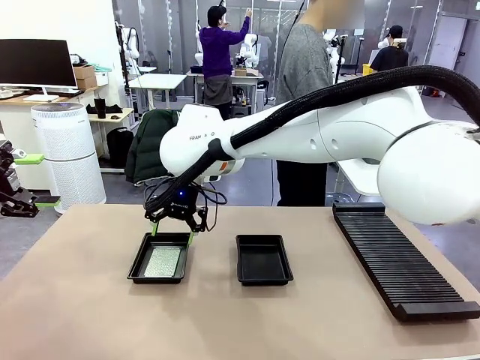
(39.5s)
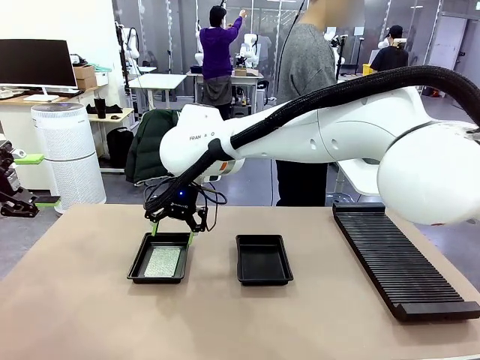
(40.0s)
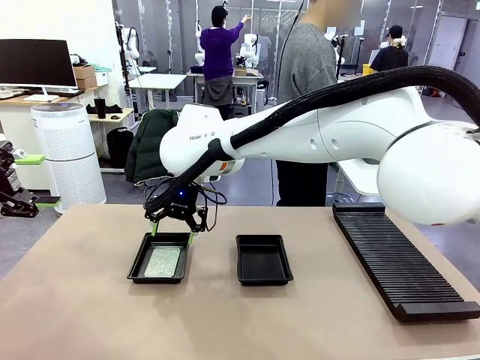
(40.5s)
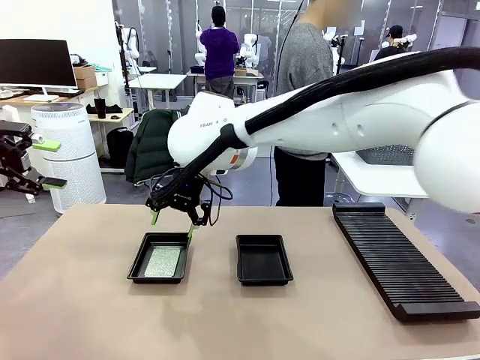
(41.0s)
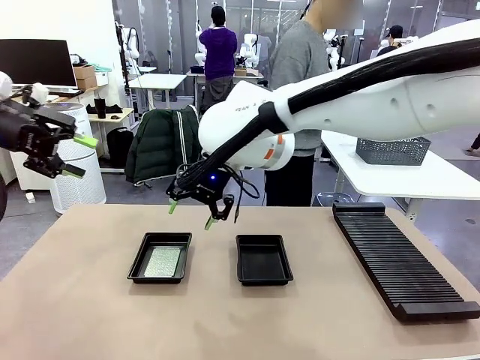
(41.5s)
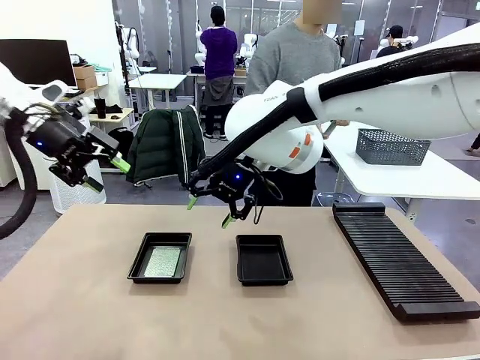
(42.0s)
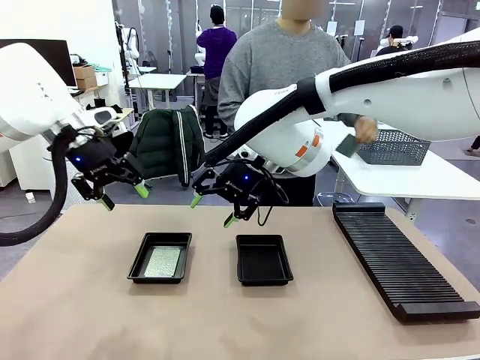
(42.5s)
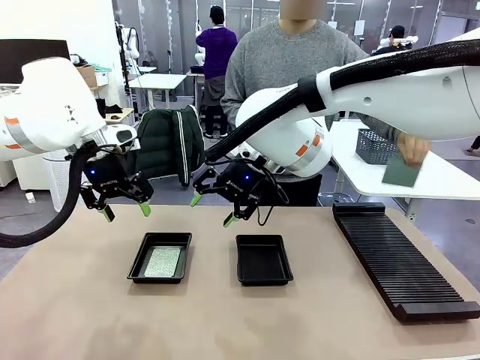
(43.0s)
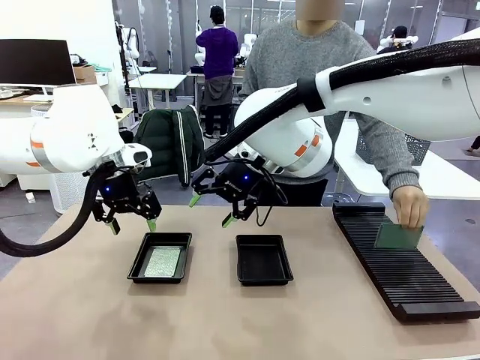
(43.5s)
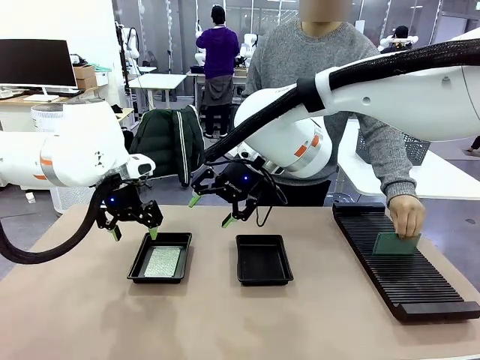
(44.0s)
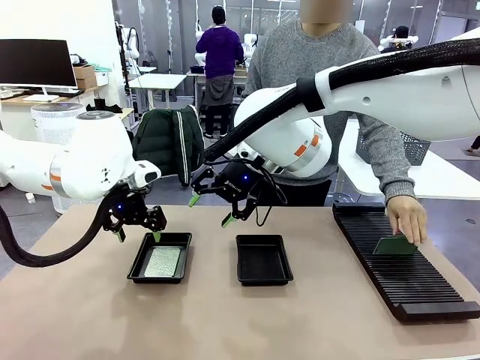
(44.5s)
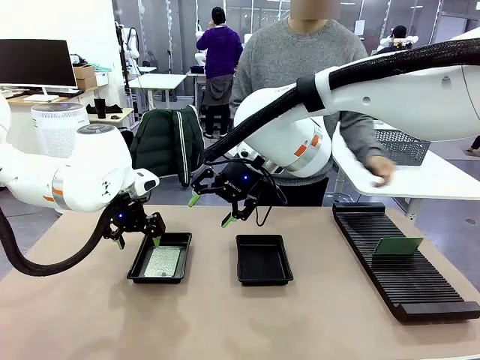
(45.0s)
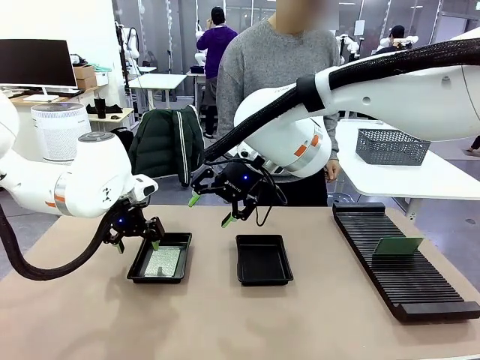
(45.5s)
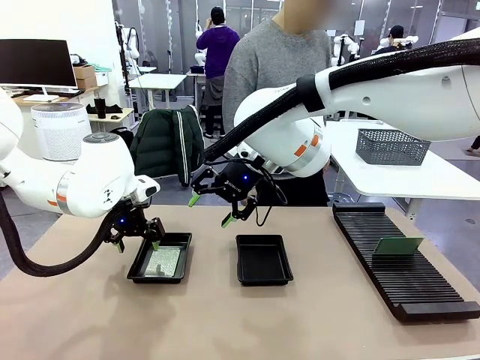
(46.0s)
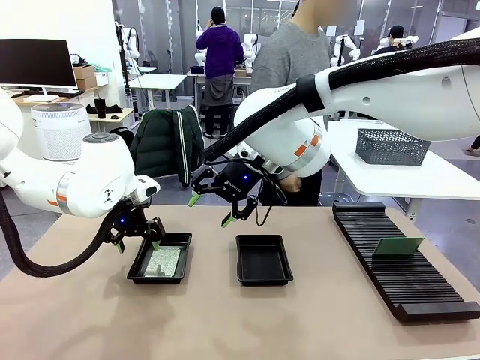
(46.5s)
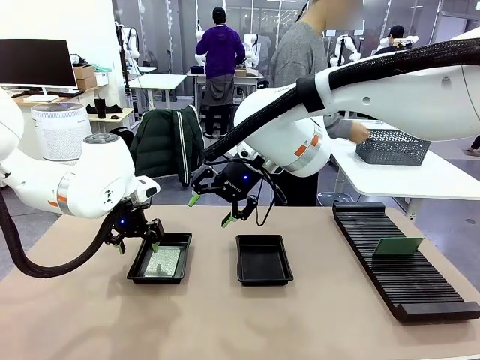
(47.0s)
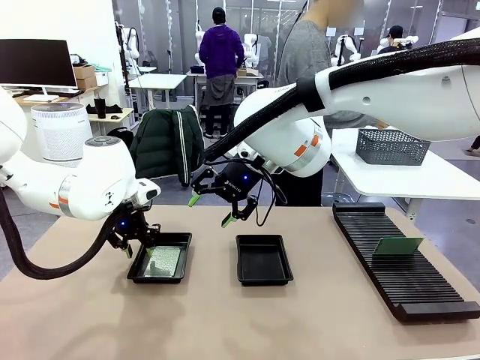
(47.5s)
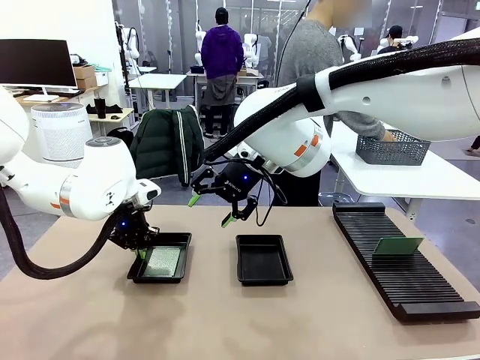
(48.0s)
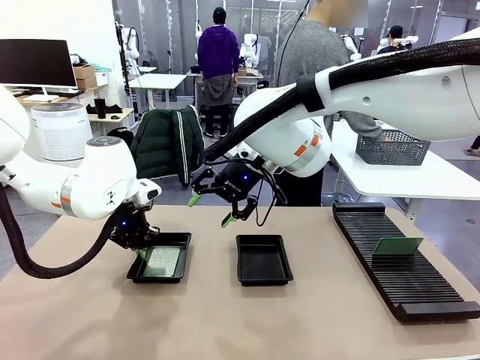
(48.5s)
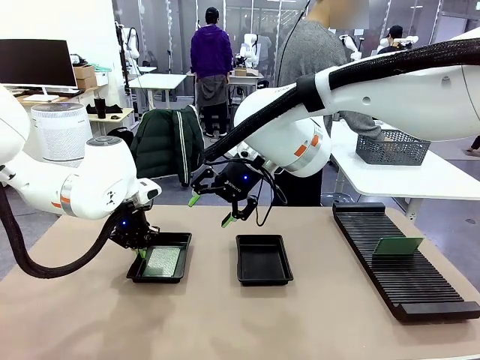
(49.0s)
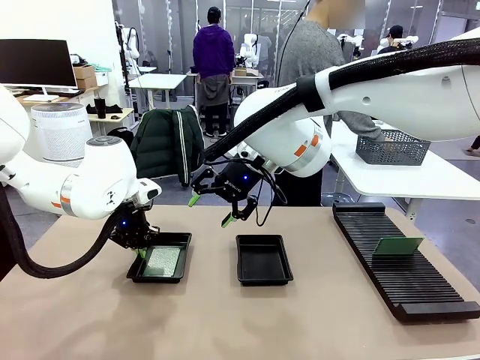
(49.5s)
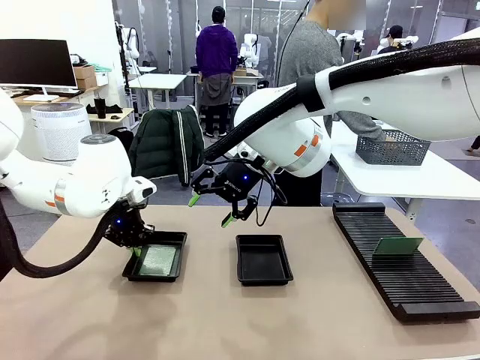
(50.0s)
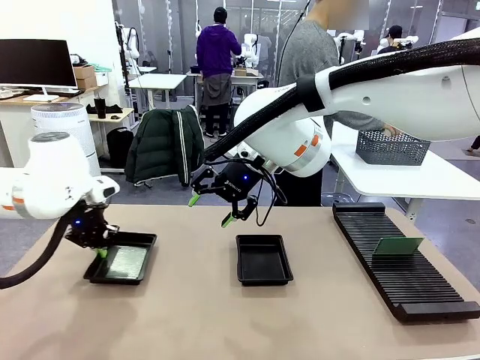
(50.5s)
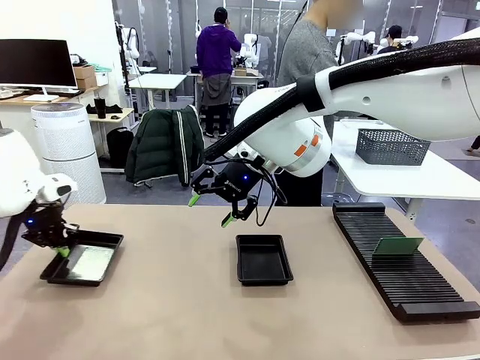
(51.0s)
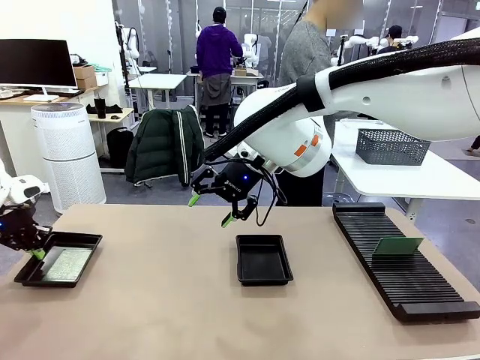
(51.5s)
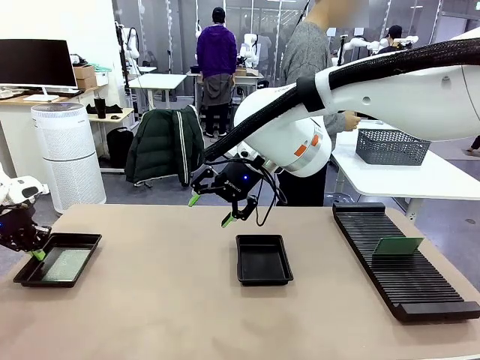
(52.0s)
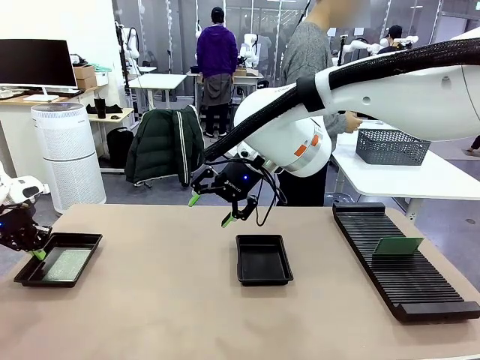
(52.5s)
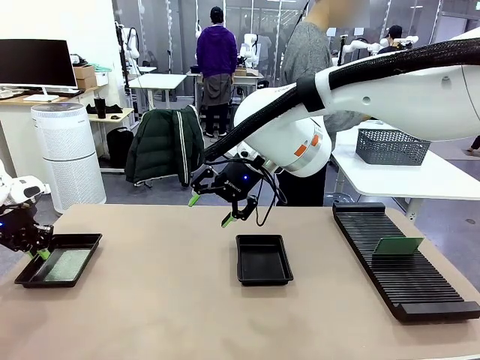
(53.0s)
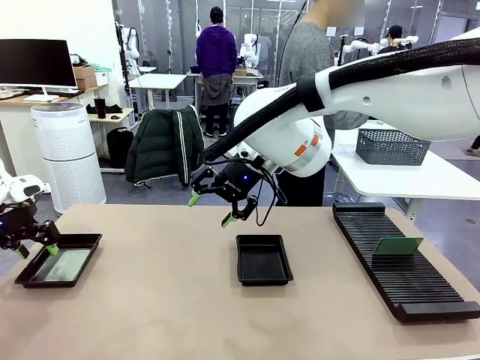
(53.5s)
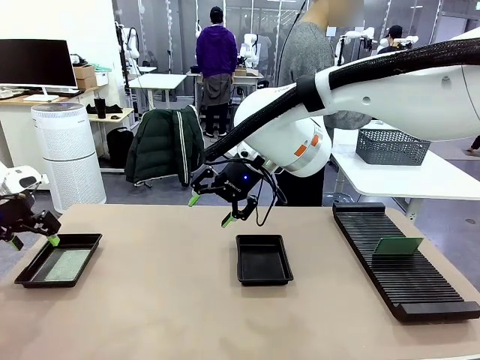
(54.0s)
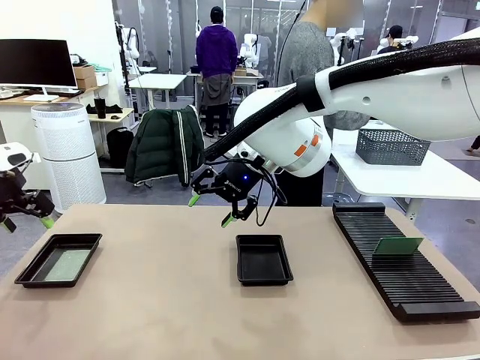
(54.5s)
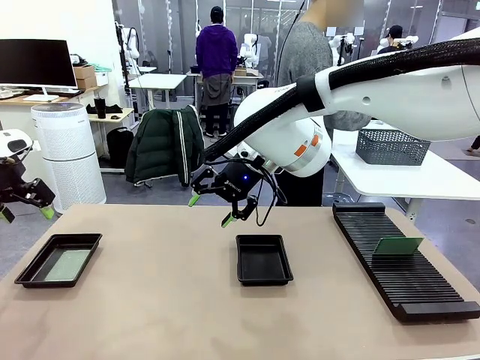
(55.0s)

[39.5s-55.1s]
Task: Inspect and transfer BCBs to ESD trays.
Robot: Pick up the ESD tray and place it on the left side of the table.

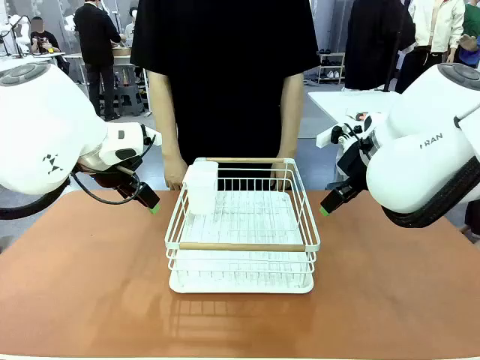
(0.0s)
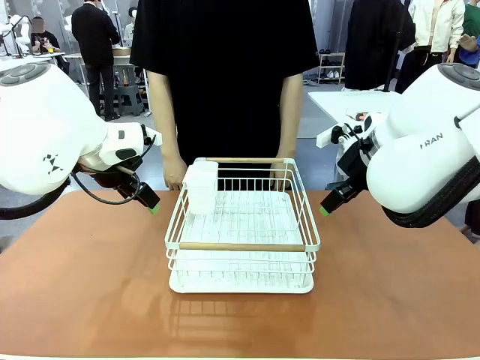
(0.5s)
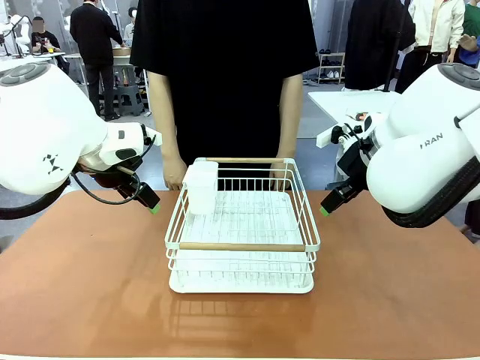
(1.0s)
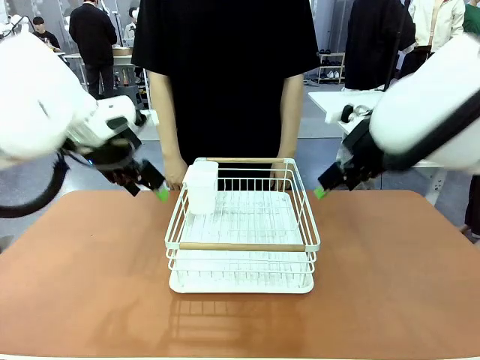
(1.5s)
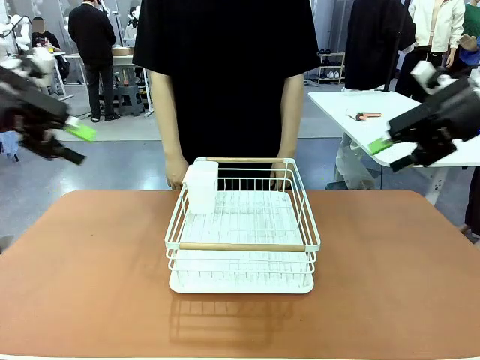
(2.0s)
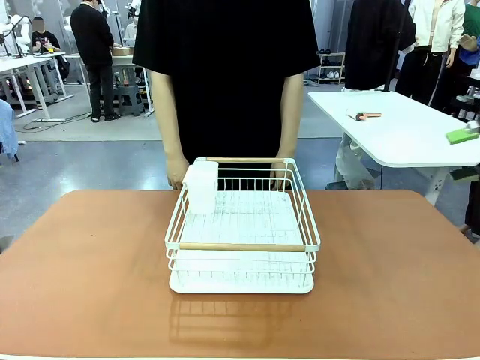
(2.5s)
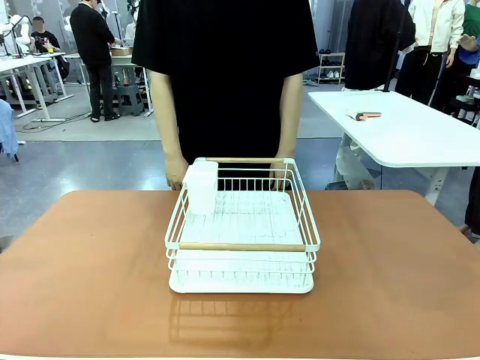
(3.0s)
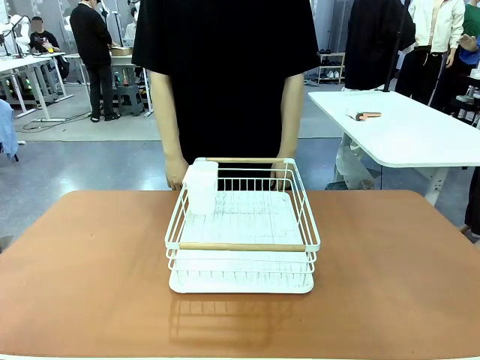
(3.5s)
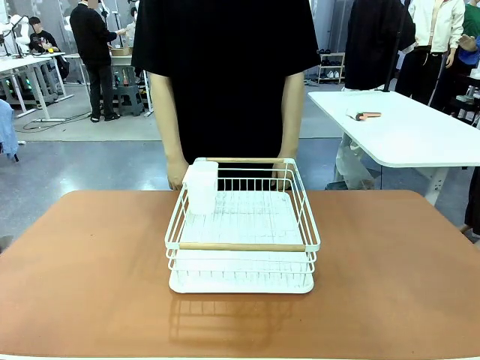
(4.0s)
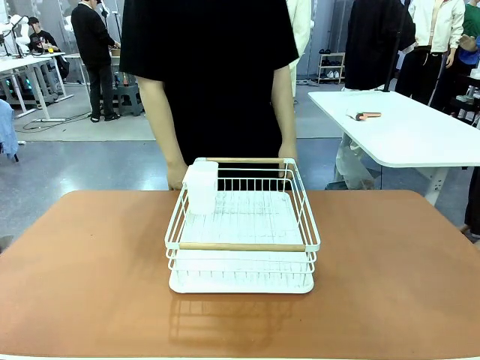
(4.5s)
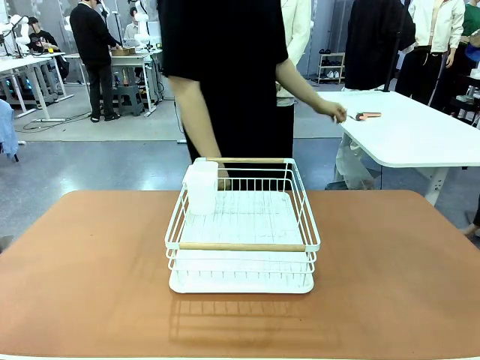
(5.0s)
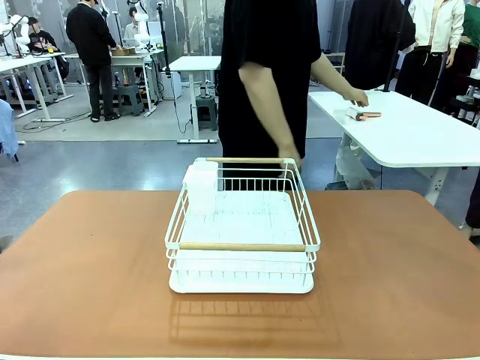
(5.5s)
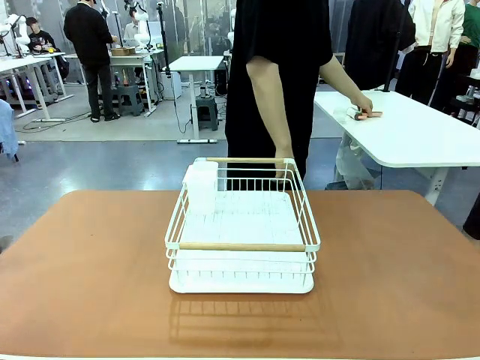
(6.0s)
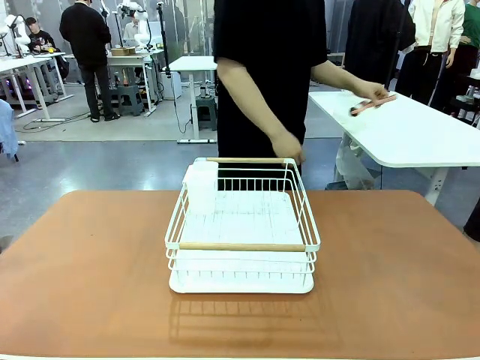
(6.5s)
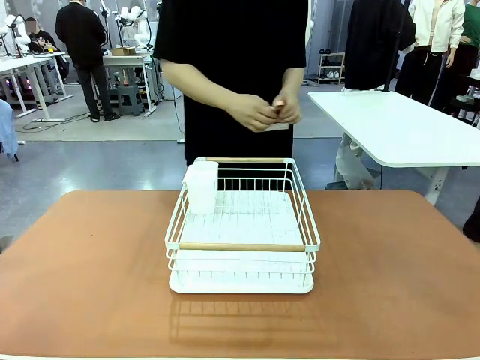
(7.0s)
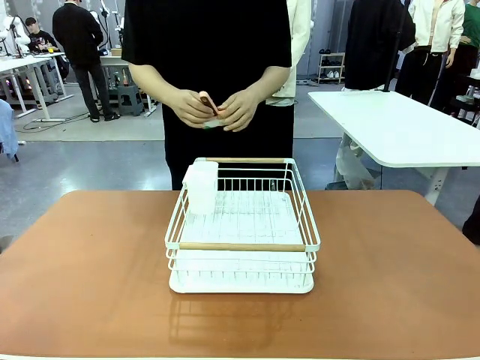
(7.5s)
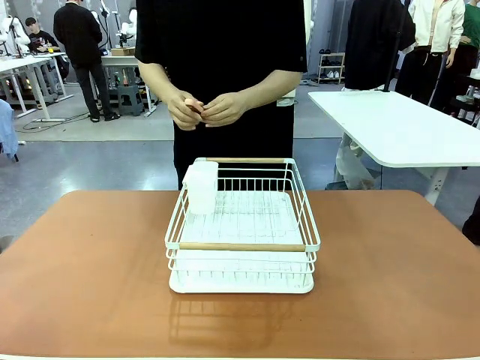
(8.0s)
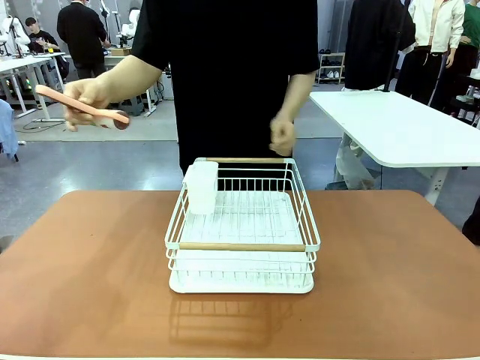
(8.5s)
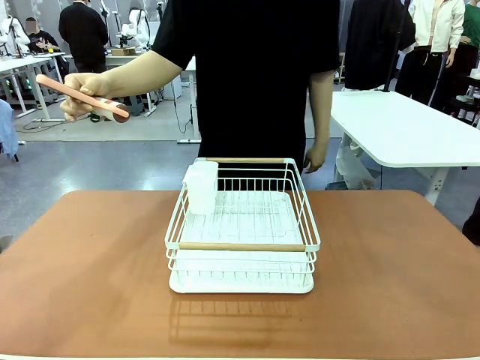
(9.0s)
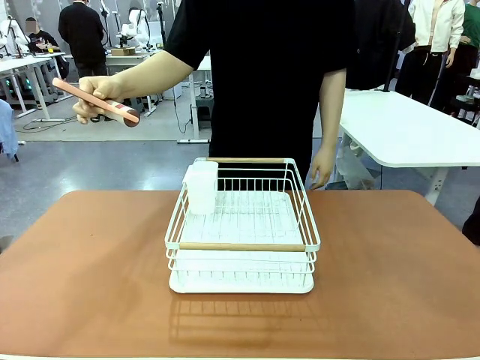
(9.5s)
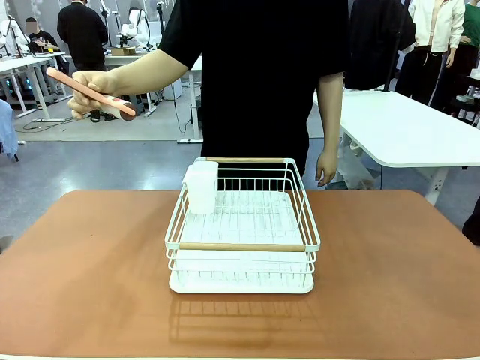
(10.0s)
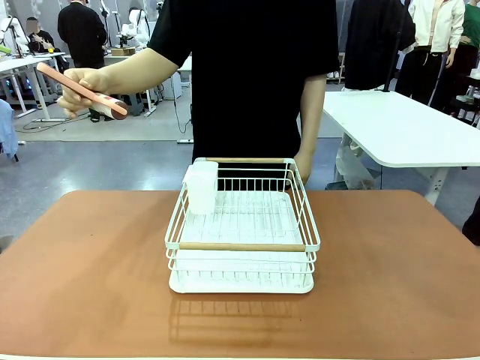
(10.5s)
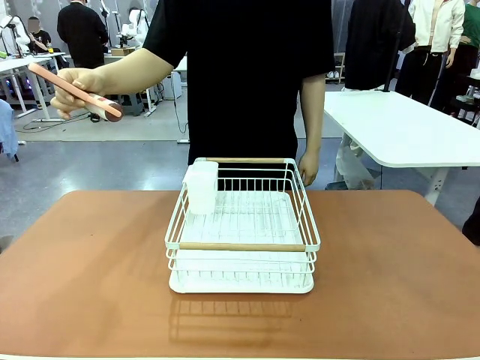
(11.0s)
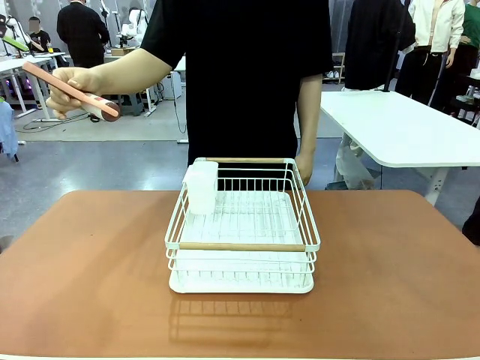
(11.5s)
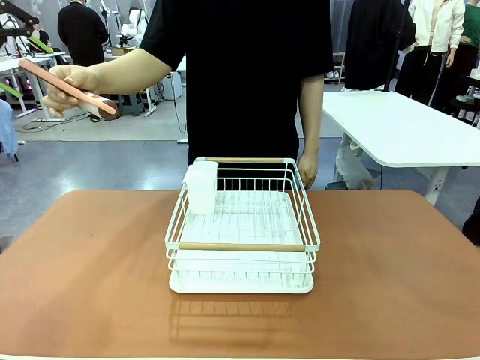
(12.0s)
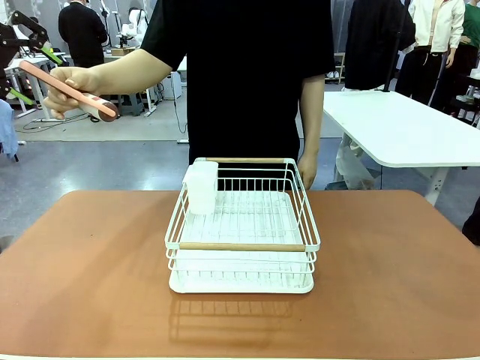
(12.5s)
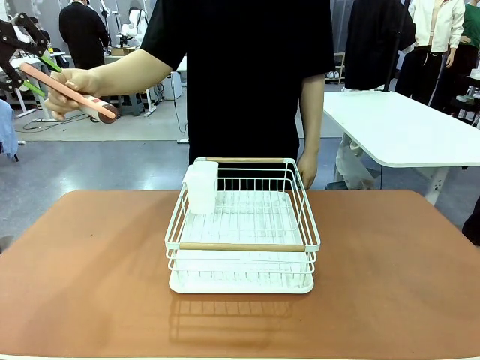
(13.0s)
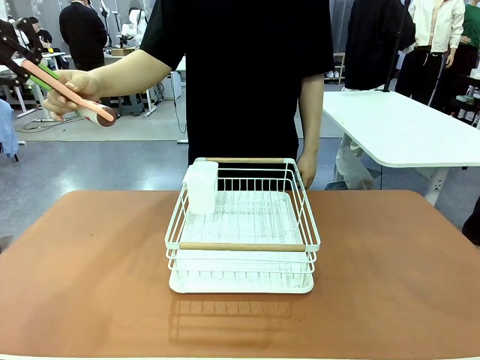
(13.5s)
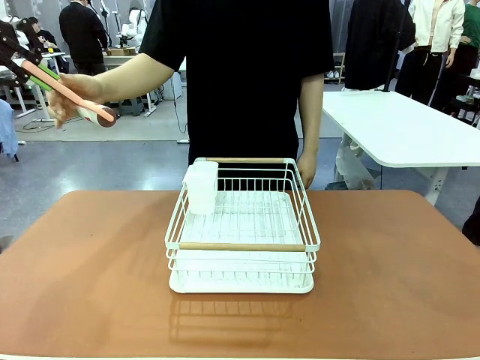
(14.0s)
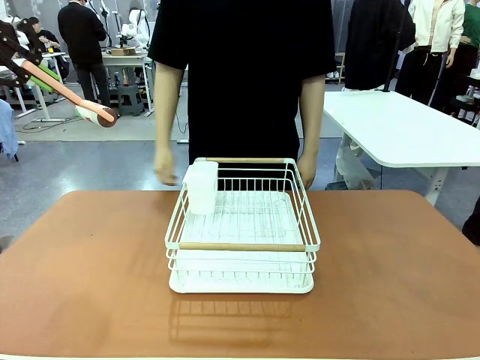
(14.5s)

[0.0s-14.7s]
Task: Clean the table.
Robot: Pick up the Lint Roller when the human hands it over.
Person: Hand the Lint Roller to the robot so it can easily pick it up. Lift the Dish drying rack.
